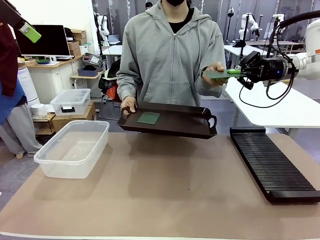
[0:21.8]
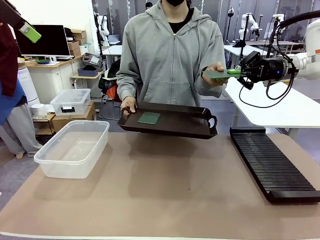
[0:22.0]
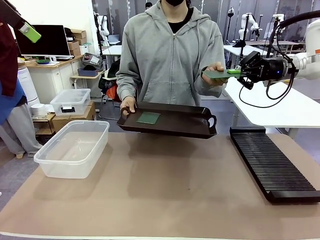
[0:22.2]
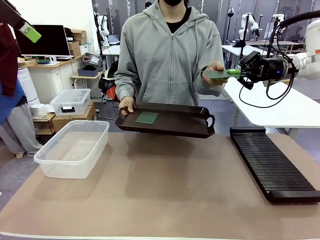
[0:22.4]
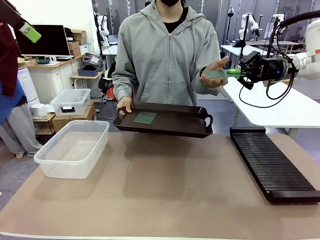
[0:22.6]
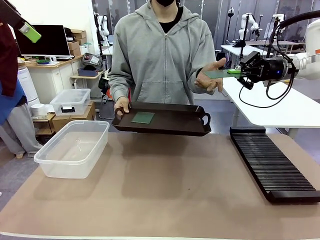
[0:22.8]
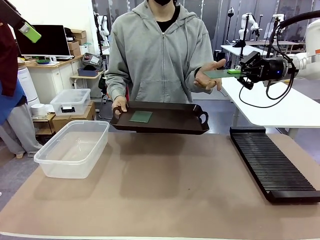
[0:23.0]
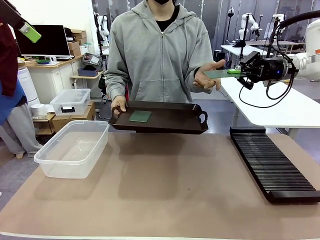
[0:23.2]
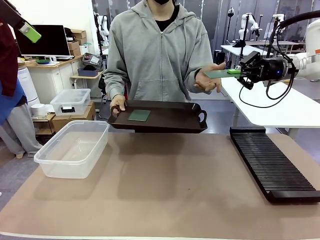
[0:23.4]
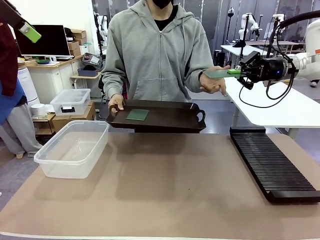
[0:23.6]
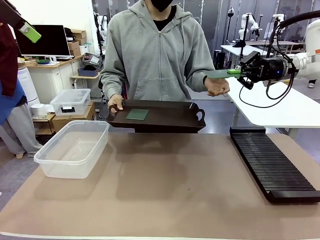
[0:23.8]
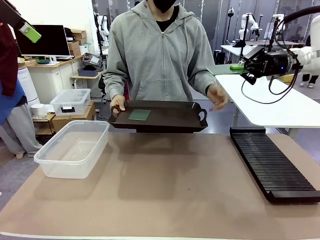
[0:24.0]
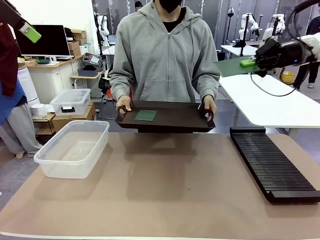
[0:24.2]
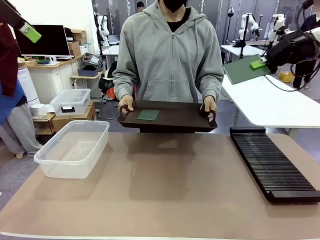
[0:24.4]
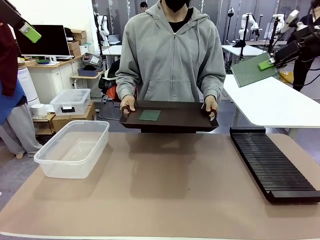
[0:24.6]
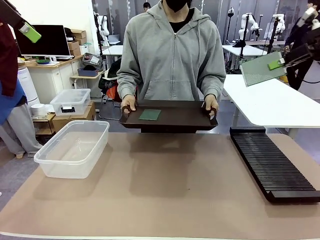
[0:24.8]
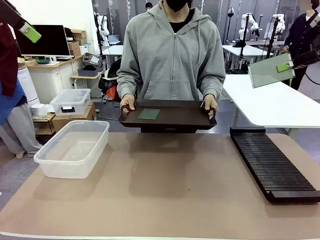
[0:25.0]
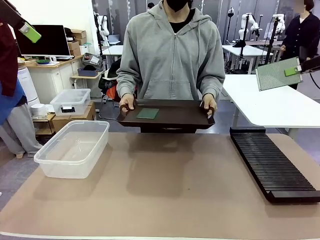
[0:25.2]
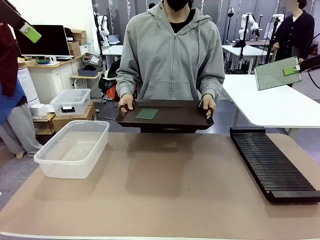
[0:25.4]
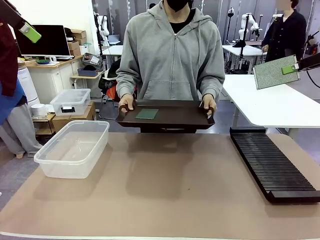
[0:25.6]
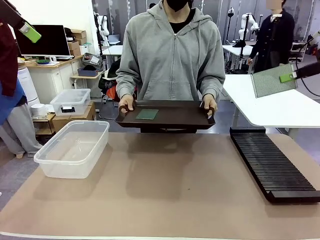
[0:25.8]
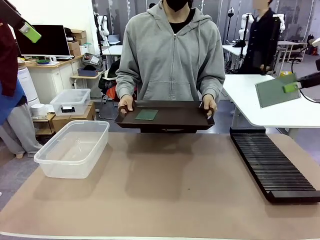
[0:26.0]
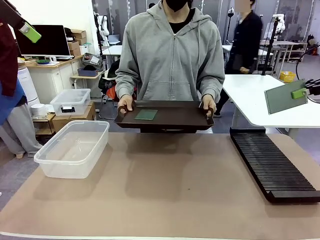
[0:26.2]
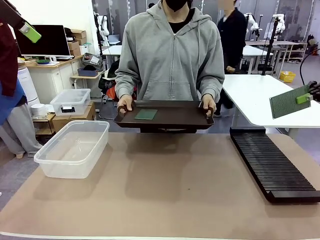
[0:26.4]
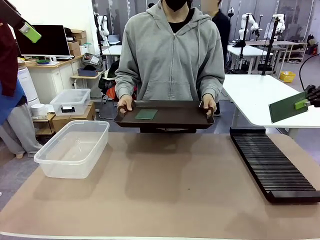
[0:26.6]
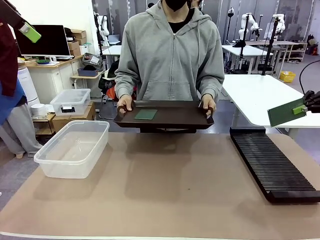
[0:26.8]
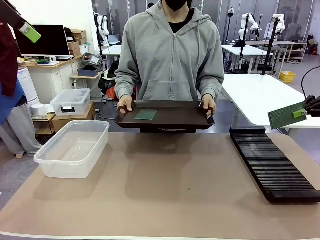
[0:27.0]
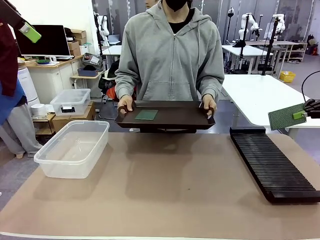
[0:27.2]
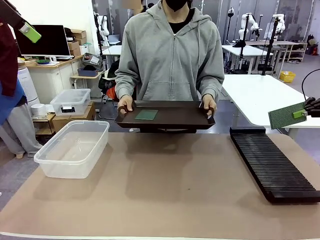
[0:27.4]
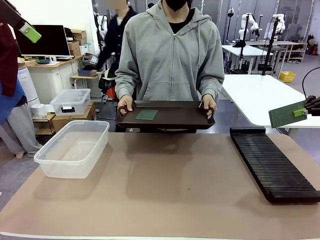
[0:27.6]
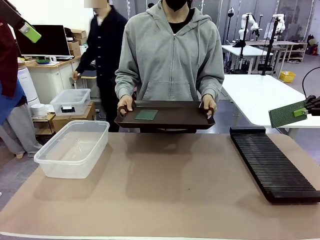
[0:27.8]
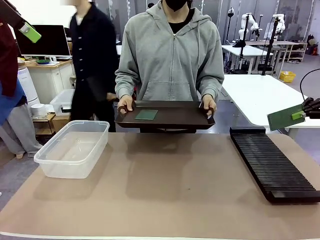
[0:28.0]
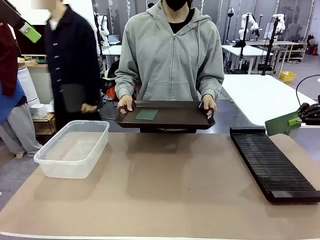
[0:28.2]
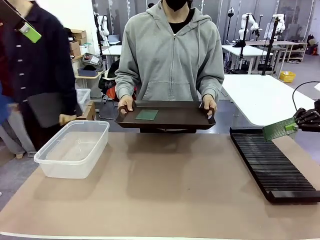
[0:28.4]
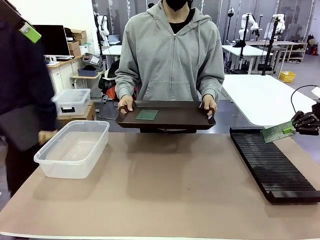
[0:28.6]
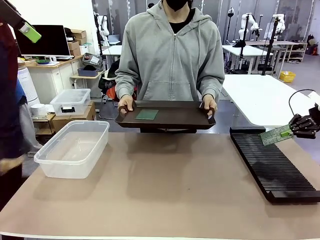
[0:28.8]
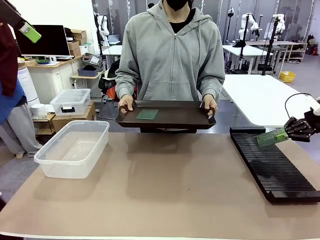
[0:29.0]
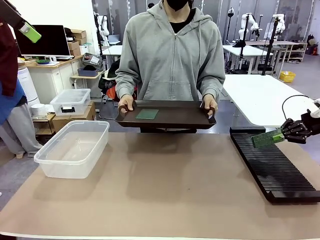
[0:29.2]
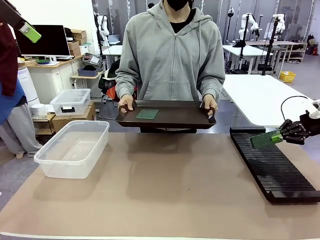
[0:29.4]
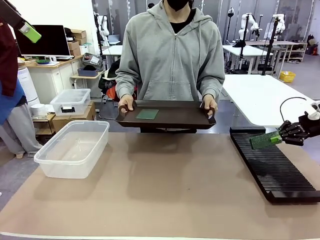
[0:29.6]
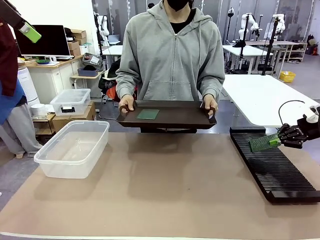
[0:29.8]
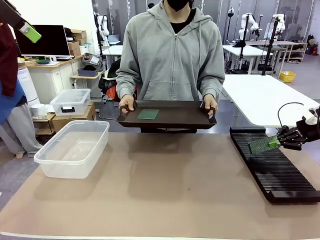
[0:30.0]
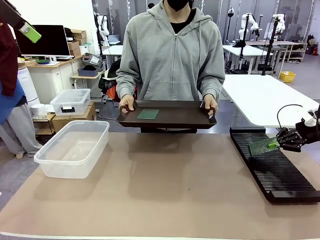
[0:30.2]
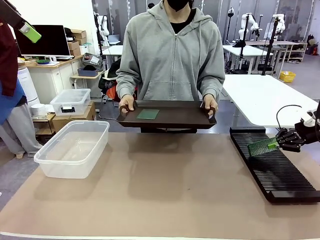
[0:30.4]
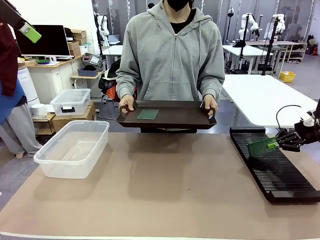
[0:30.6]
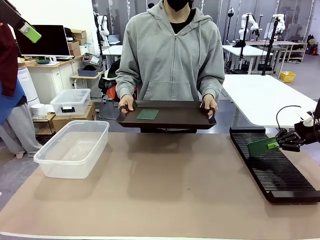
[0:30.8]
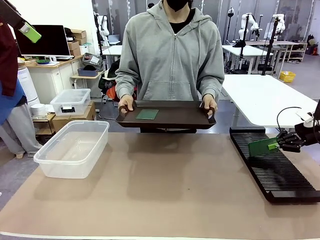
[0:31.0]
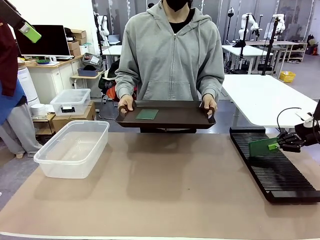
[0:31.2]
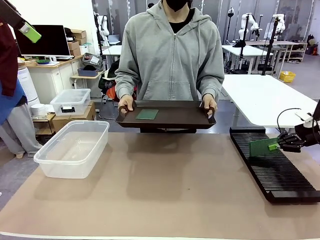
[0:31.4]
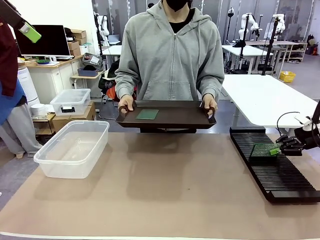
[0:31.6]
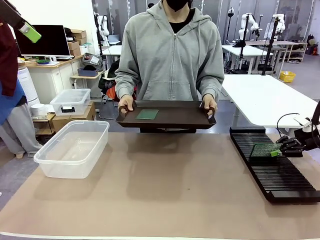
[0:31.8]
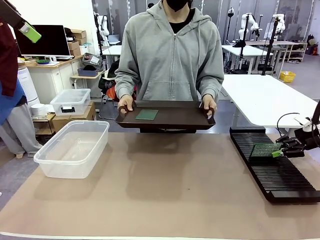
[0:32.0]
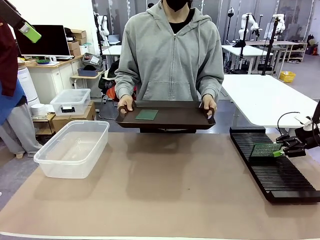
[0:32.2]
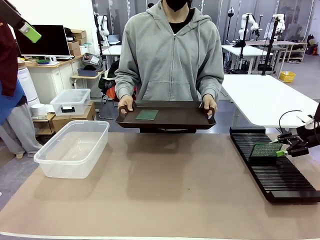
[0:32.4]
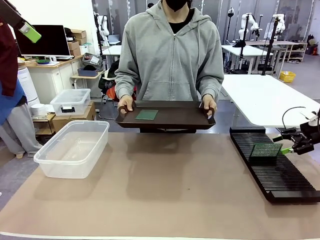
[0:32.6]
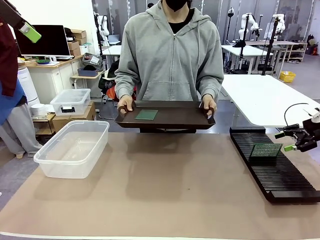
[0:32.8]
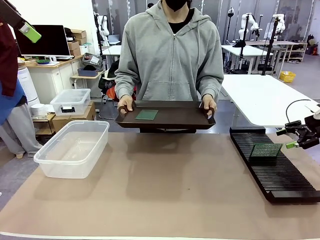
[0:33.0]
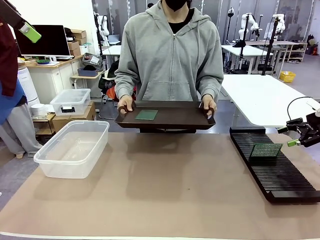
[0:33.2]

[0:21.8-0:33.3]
Task: Sort PCBs into racks and boxes based on the side picked up.
Robot: If the short side of the Blank PCB is picked up, insert it into the PCB Rack ; if the long side is picked up, place it in the Organizing box.
Person: Pick one PCB from the tray and present it to the robot.

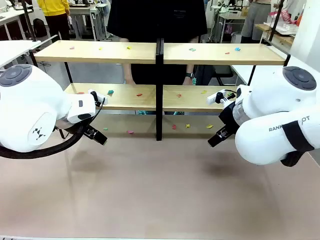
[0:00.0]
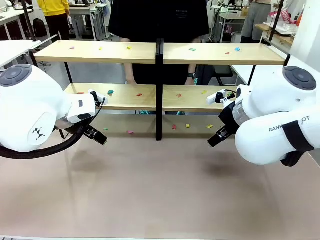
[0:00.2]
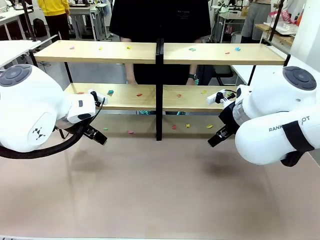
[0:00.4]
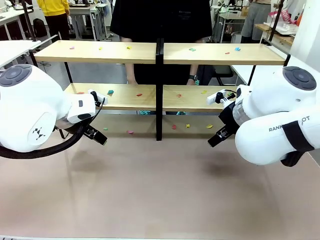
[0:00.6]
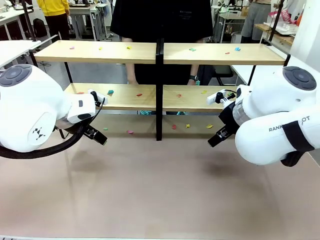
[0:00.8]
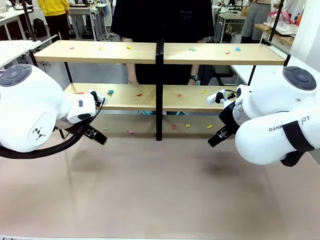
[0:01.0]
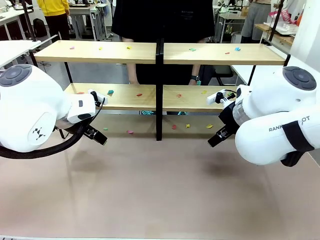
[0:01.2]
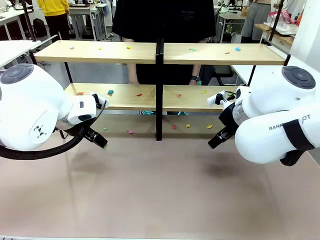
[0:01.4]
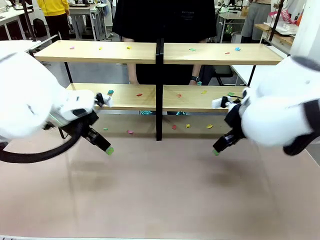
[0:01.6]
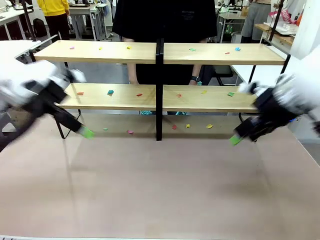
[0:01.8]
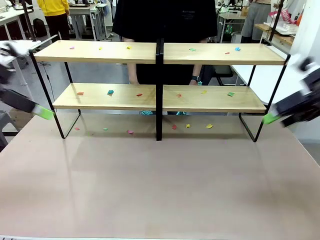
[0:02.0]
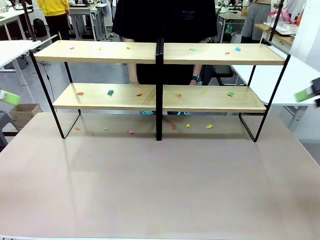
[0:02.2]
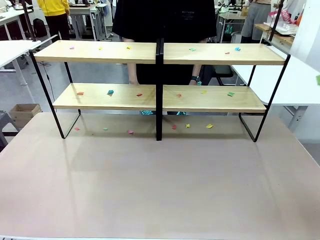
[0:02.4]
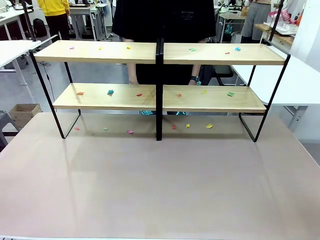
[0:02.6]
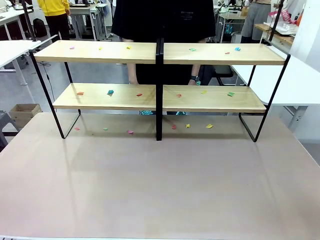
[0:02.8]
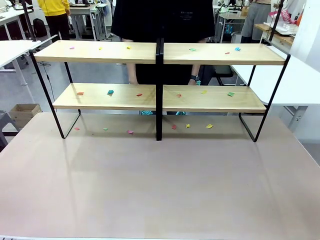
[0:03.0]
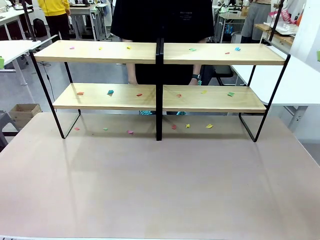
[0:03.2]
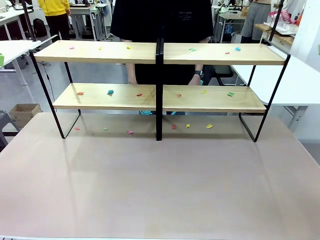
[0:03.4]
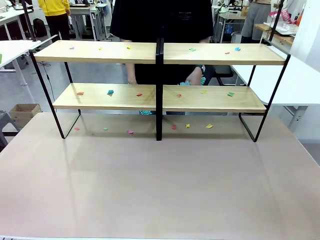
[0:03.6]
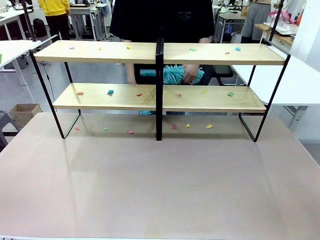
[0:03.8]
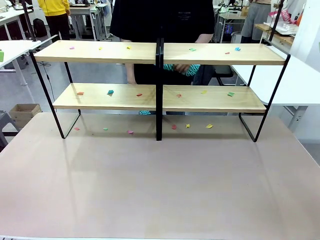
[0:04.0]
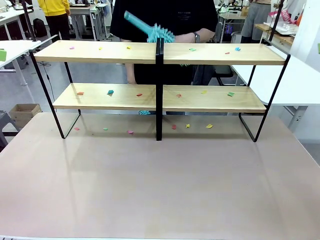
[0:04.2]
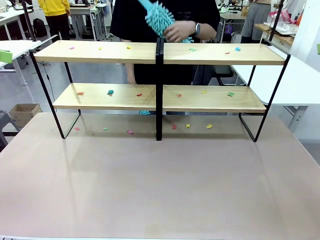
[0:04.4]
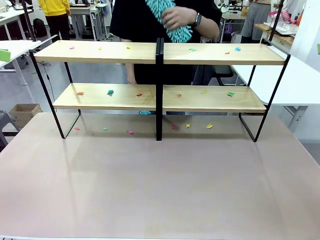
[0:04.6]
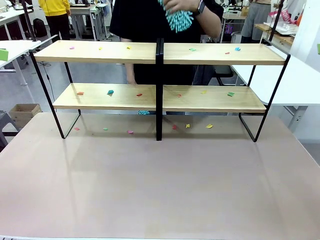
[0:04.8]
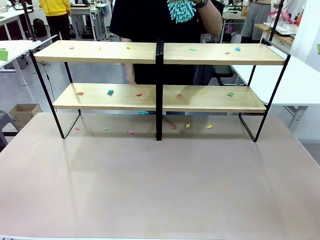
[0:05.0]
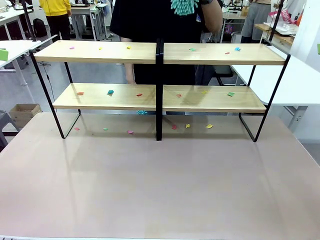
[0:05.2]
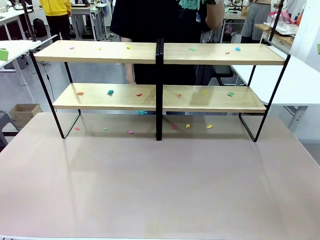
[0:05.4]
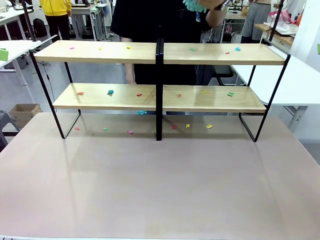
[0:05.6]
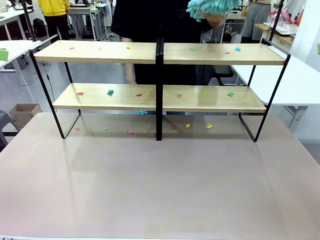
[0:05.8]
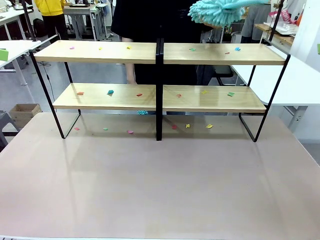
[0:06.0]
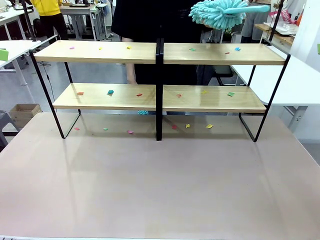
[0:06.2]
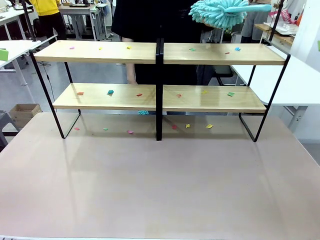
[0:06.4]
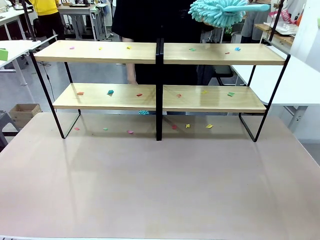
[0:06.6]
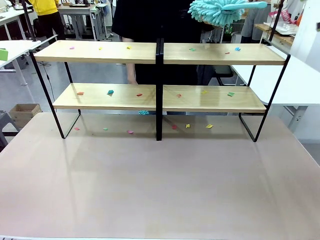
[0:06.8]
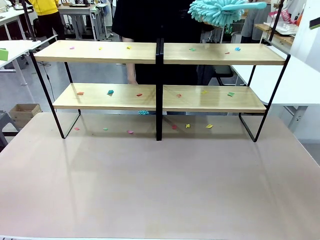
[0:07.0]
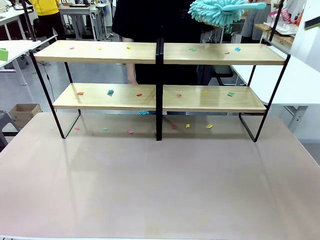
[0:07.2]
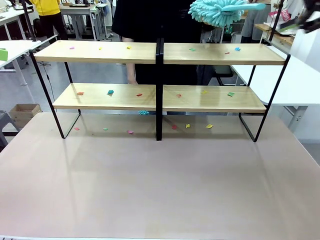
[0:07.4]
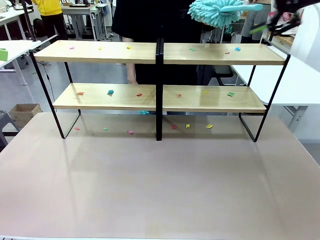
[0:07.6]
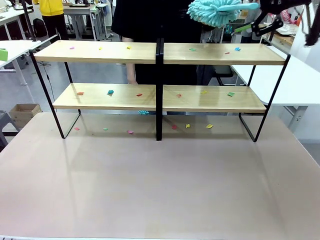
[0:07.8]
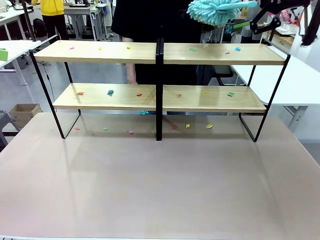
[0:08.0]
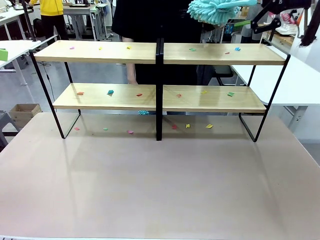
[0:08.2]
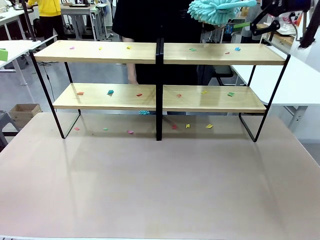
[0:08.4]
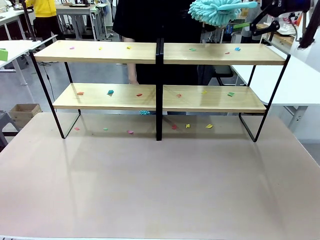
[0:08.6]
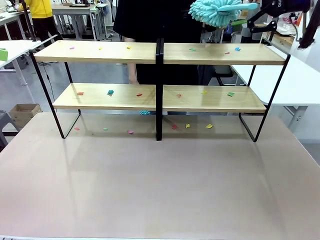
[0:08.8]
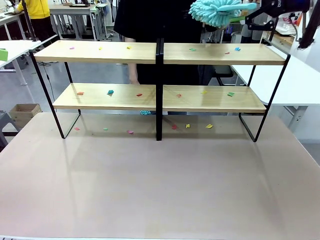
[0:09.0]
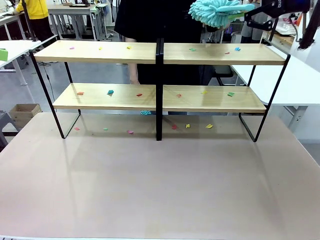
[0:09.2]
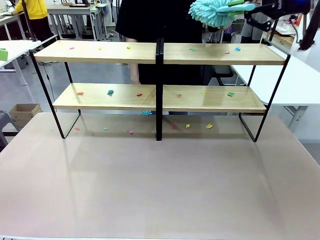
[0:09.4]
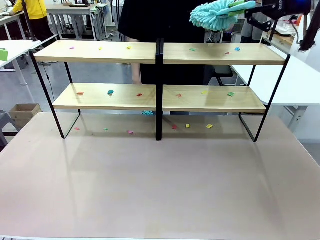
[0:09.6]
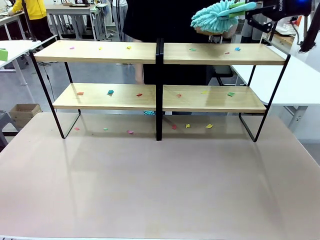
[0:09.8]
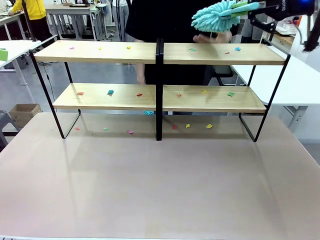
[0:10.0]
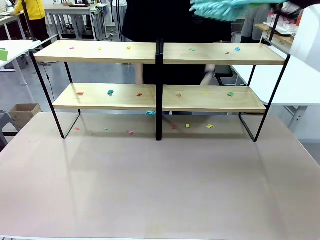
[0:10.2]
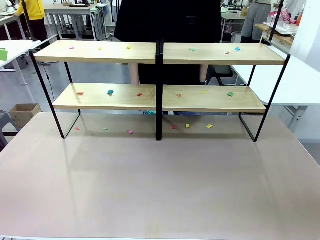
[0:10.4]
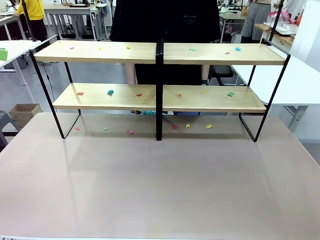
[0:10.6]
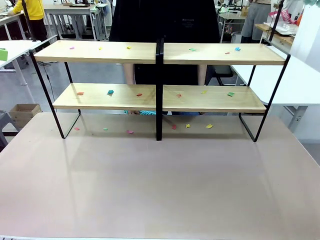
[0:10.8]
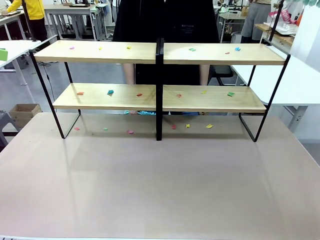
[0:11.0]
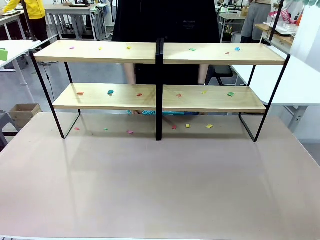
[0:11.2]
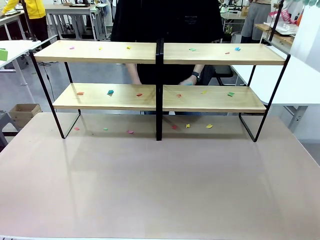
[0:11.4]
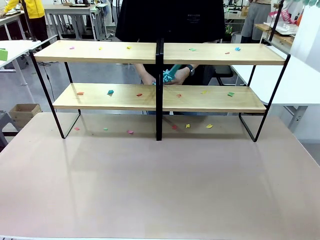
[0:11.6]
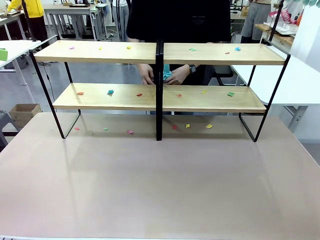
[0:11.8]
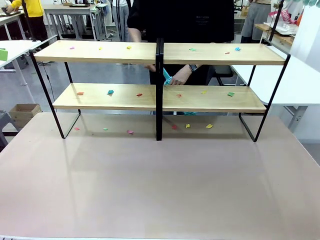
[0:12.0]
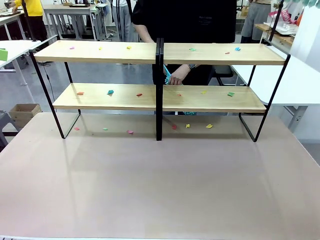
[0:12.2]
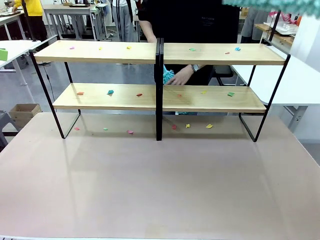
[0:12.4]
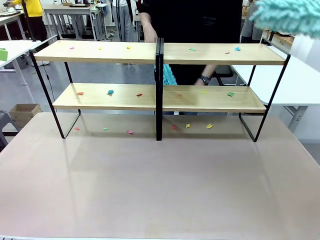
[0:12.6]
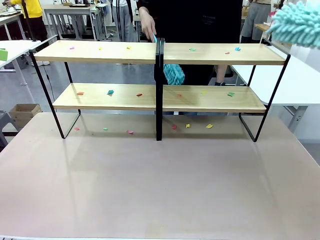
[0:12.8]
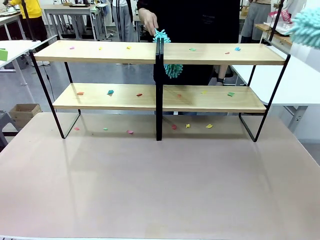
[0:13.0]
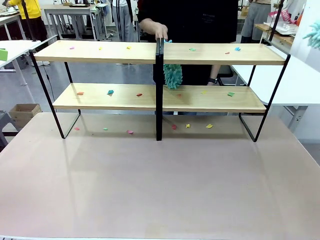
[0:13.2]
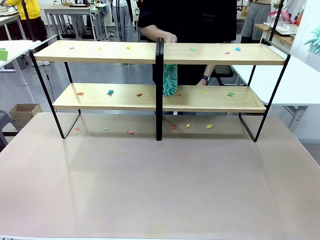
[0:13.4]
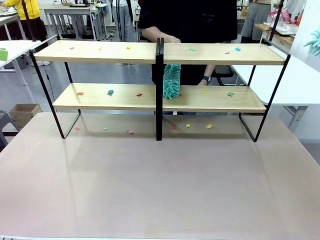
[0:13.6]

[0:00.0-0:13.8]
Task: Clean the shelves.
Robot: Pick up the Duster when the human hands it over.
Person: Hand the Duster to the robot with your right (or left) hand.
